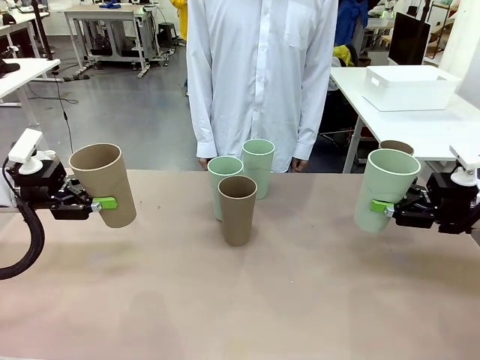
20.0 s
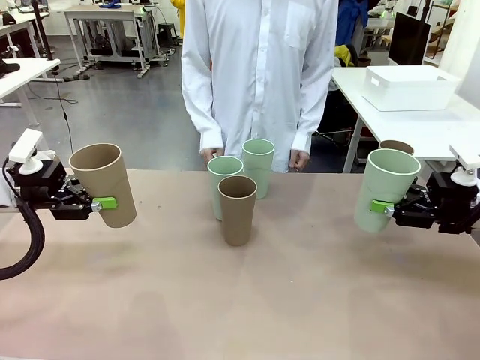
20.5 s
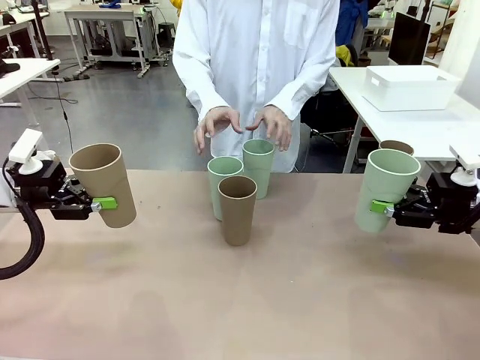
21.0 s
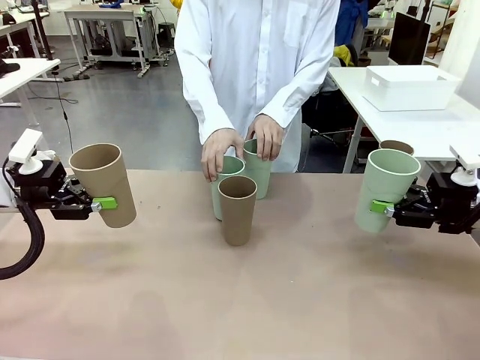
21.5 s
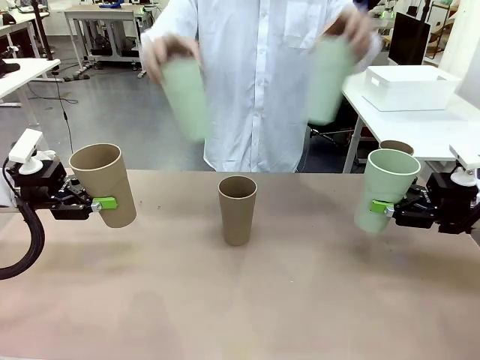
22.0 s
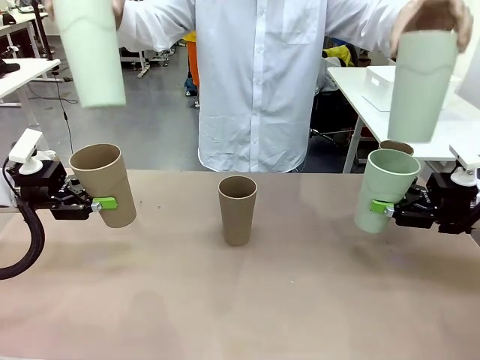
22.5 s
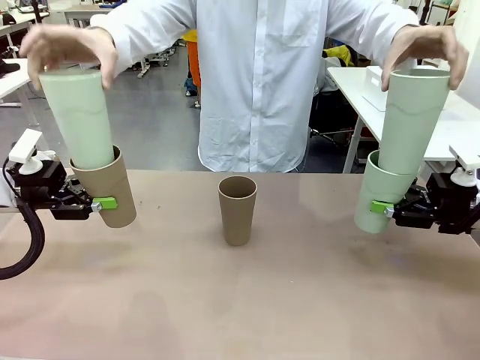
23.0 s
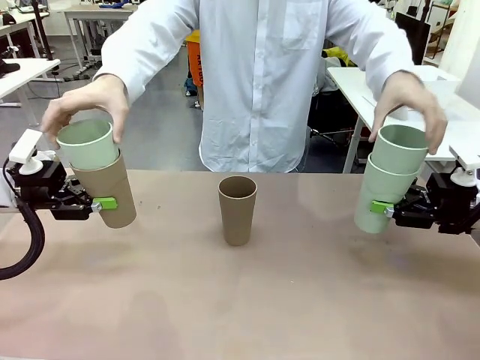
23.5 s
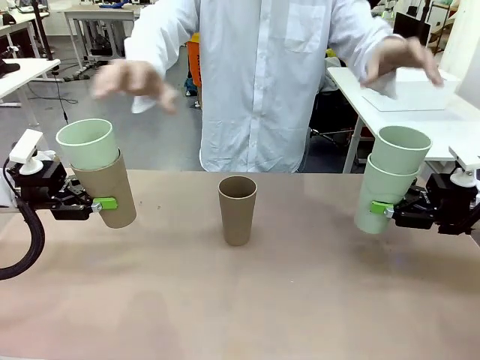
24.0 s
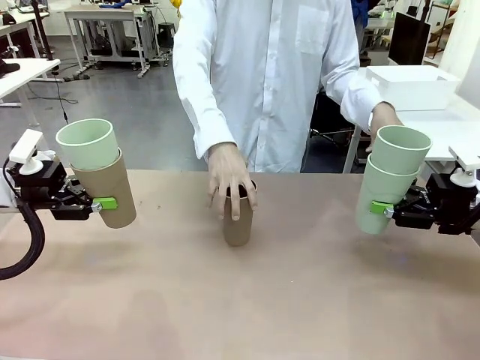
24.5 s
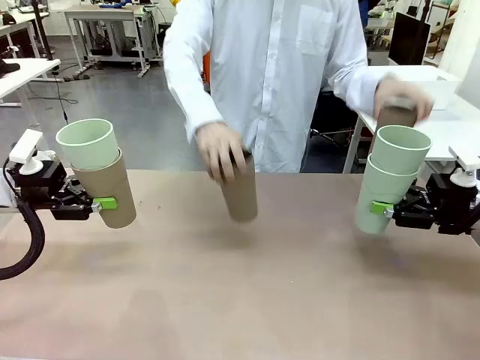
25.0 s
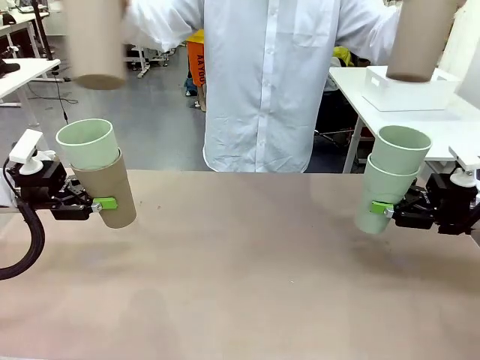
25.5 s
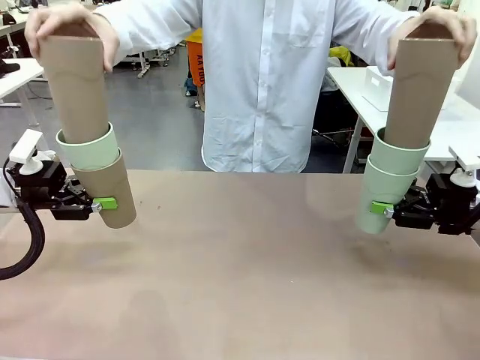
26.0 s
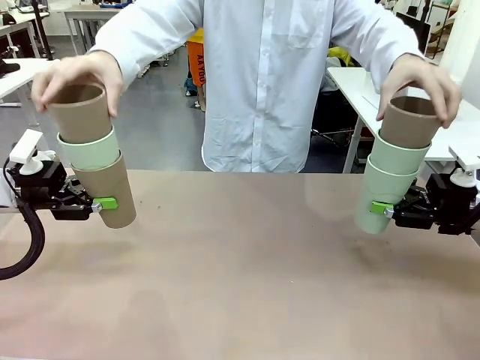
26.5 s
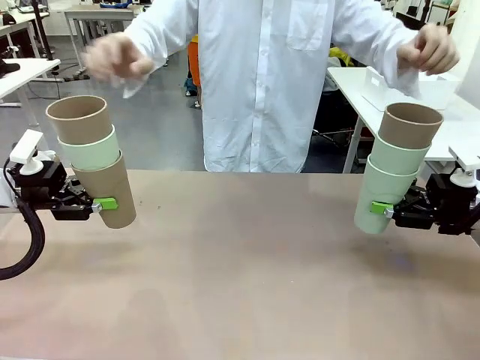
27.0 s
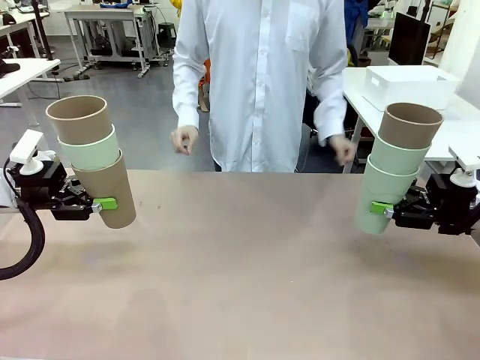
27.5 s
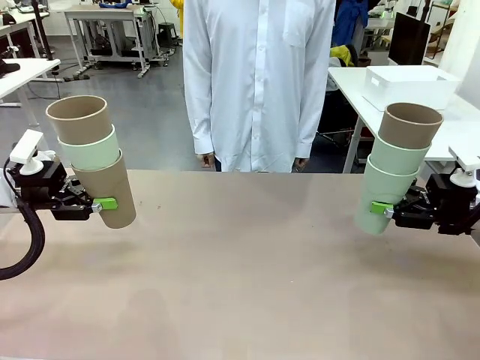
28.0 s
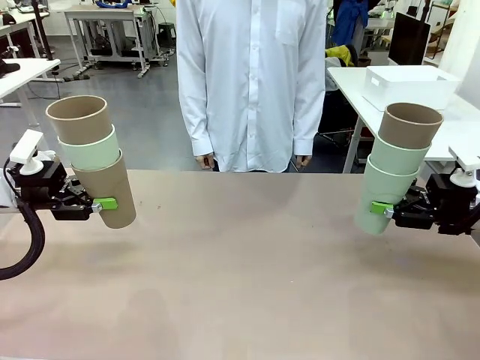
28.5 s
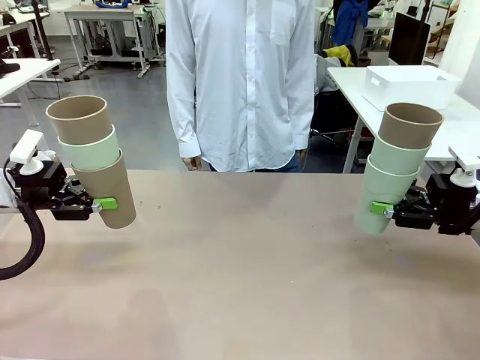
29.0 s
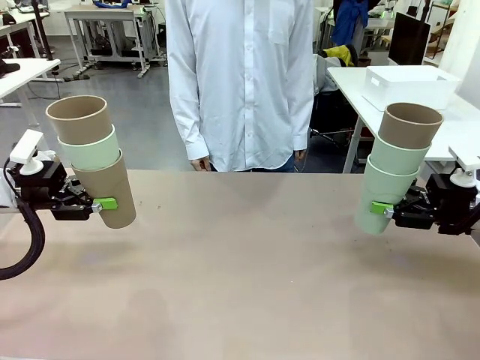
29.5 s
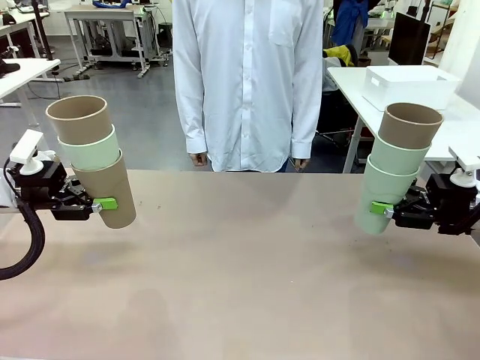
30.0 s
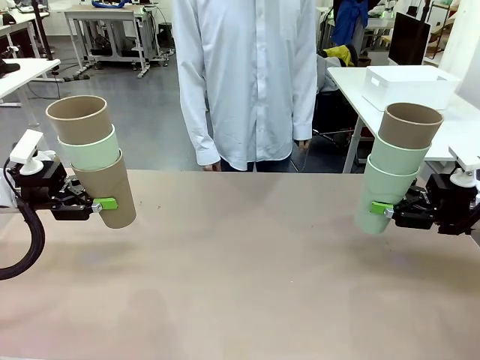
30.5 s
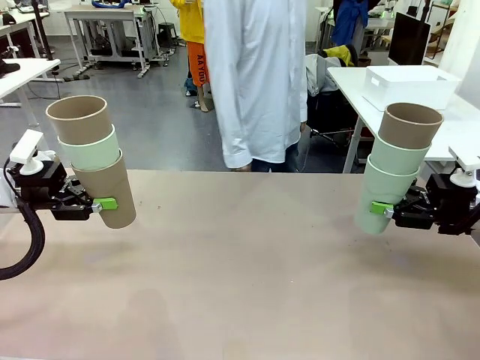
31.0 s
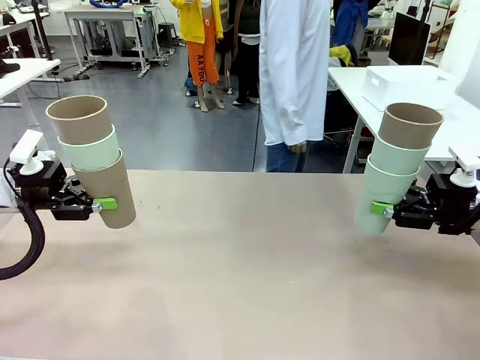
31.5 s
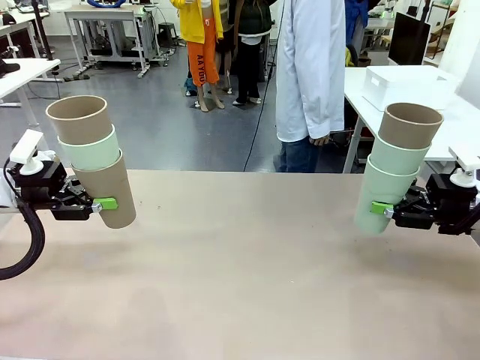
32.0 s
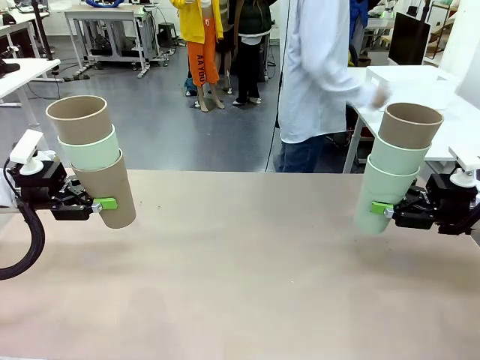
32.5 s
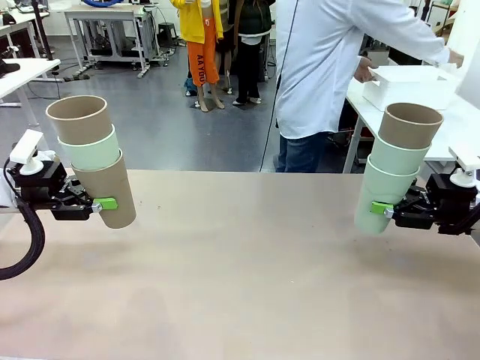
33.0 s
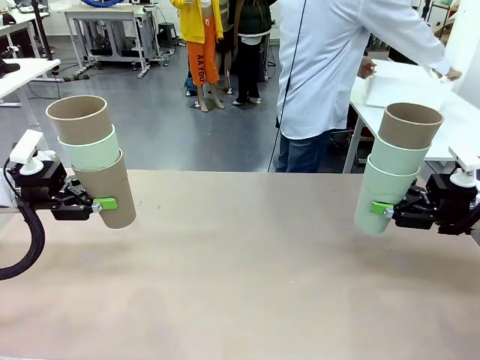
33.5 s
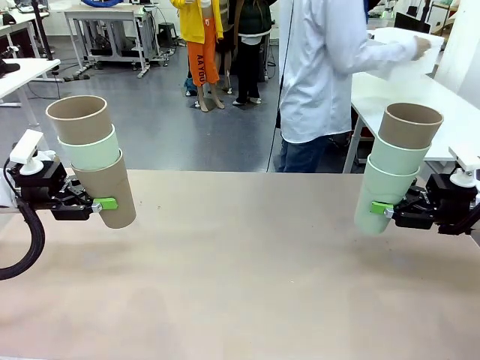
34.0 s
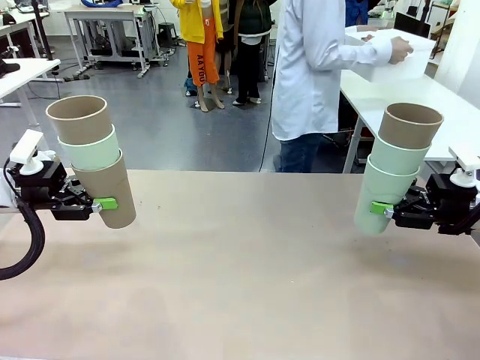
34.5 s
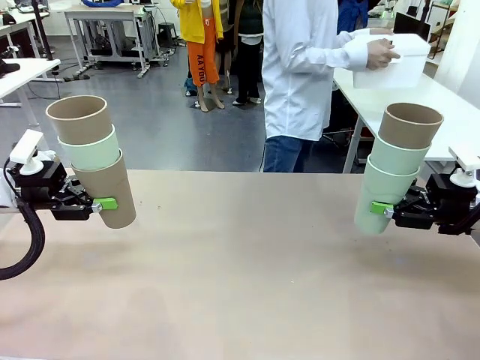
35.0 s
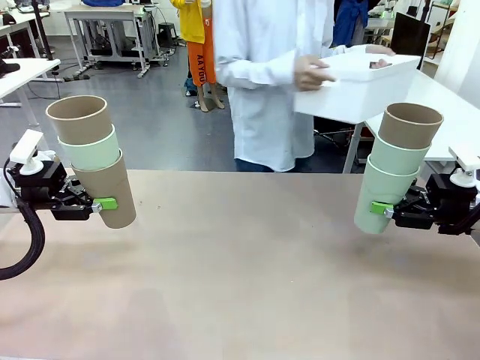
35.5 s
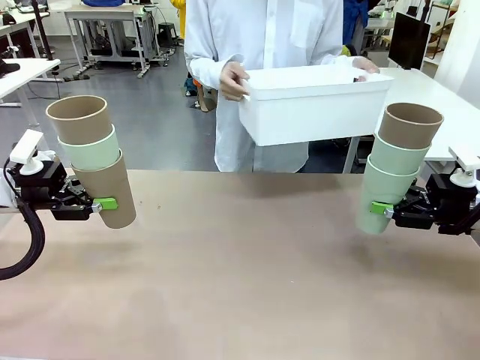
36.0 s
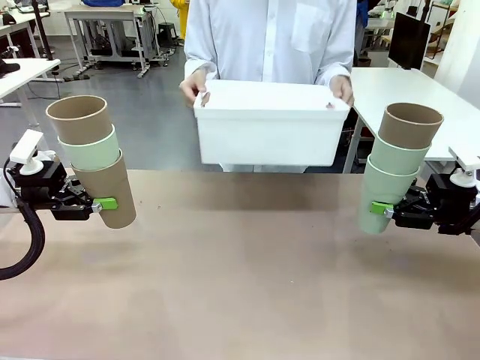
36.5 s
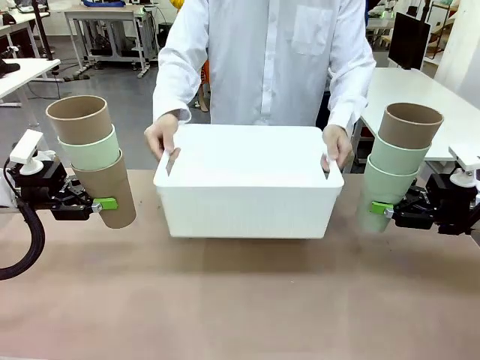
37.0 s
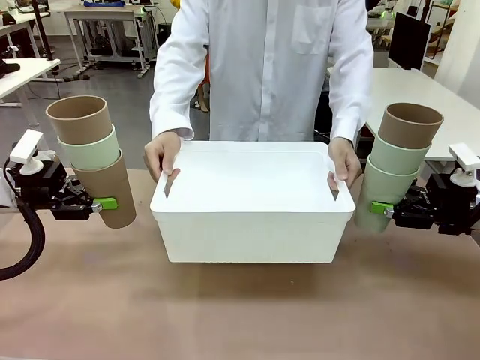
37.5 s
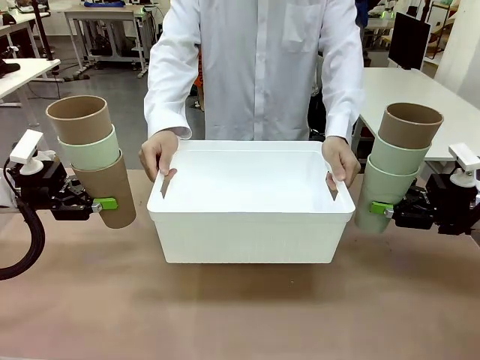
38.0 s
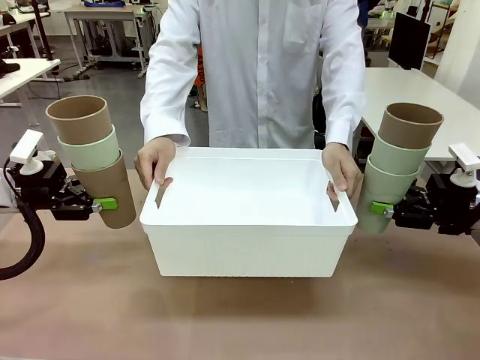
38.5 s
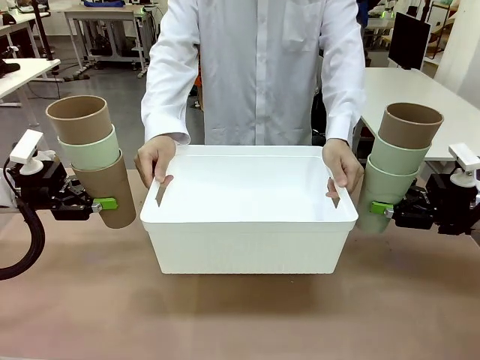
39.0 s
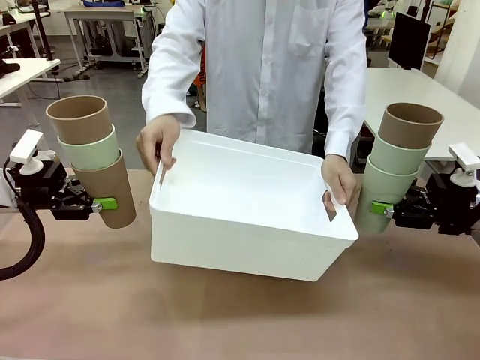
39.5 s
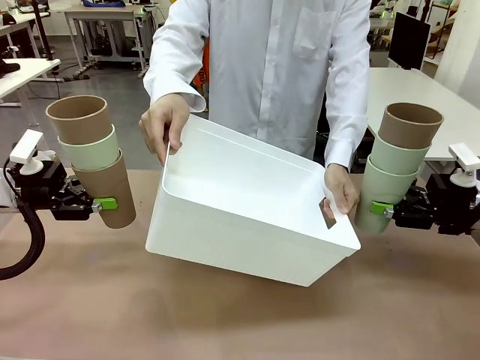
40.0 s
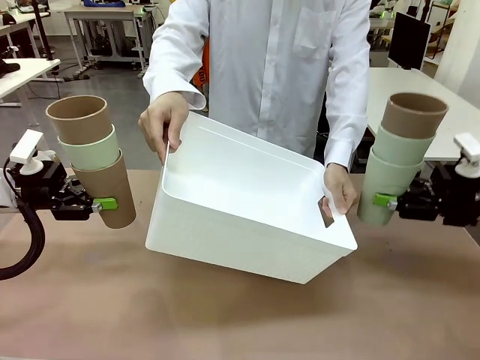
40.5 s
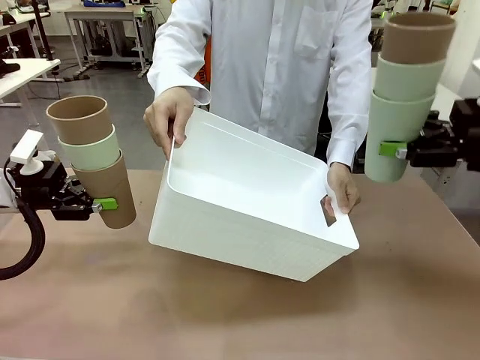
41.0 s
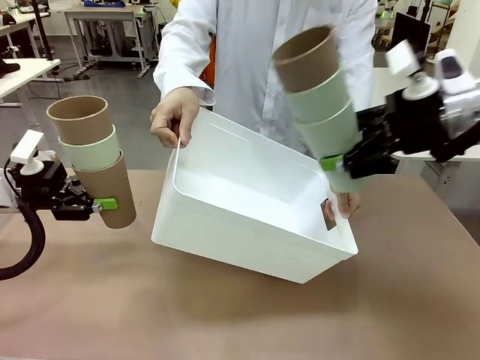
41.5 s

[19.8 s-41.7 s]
Task: Stack the cups and store them in the basket.
Robot: Place the stack of Reusable plastic cups into the Pantry Basket.
Person: Pick up the basket from the Human Table, bring it to the front of the robot, and present it.

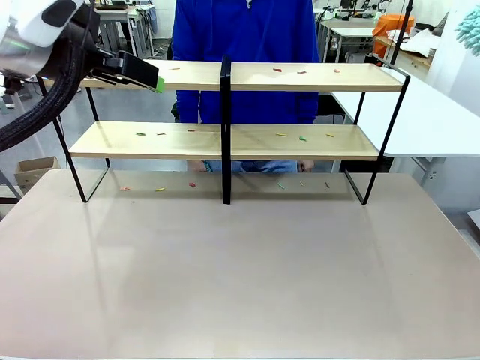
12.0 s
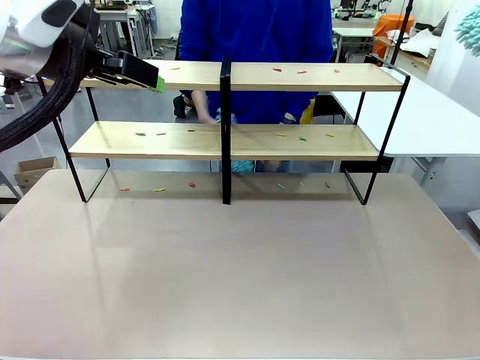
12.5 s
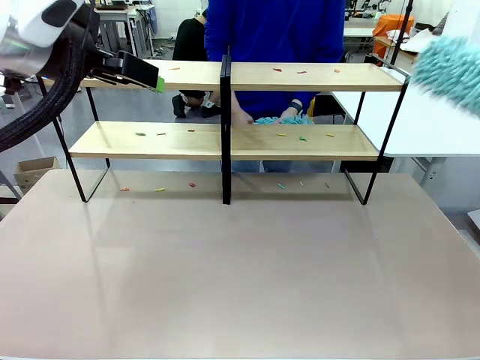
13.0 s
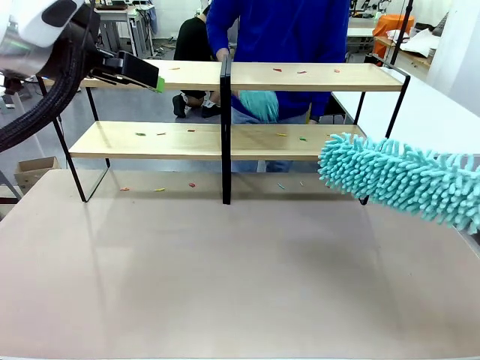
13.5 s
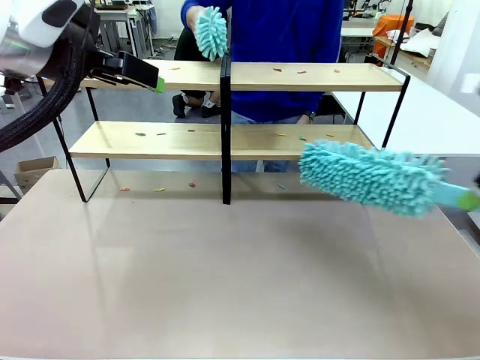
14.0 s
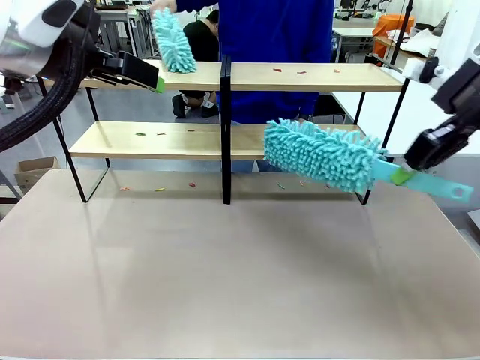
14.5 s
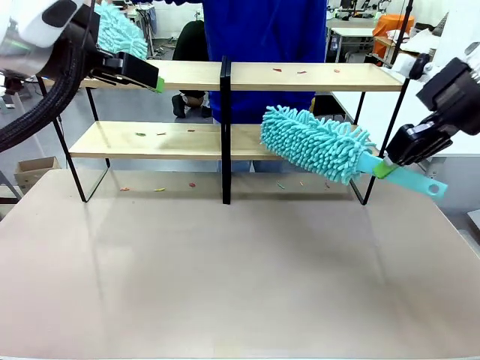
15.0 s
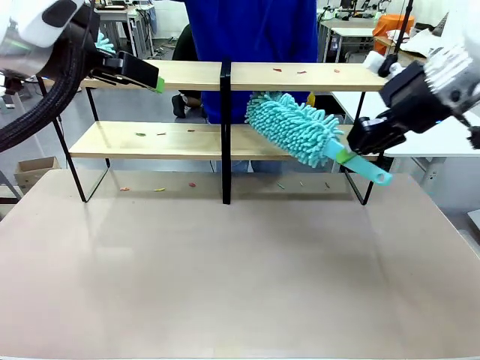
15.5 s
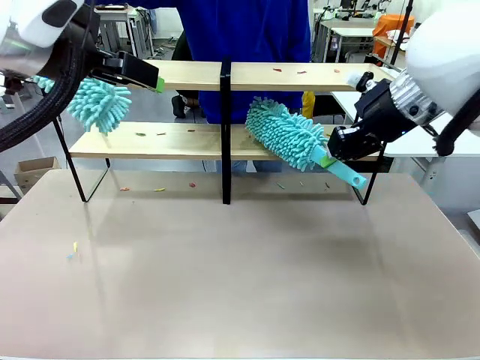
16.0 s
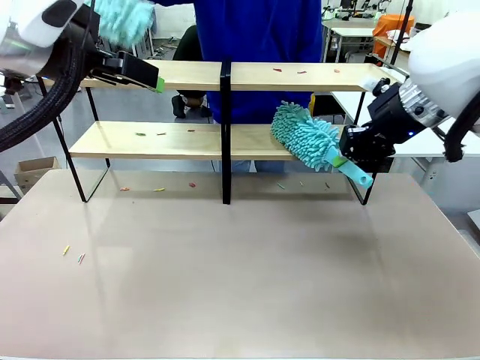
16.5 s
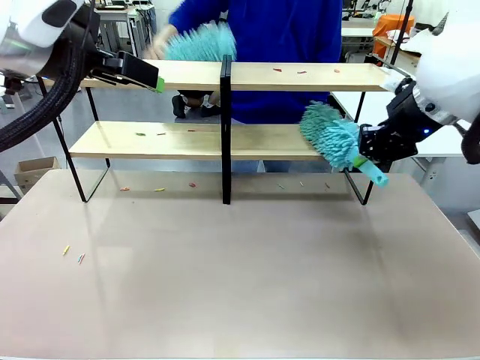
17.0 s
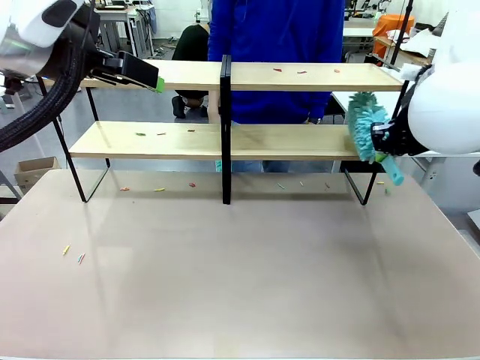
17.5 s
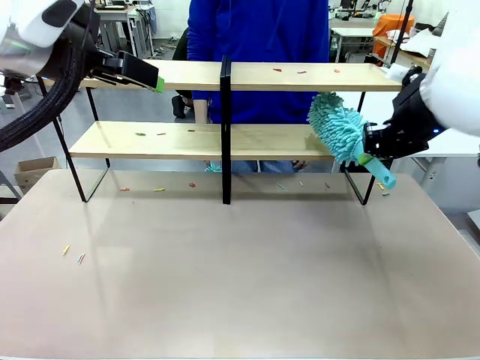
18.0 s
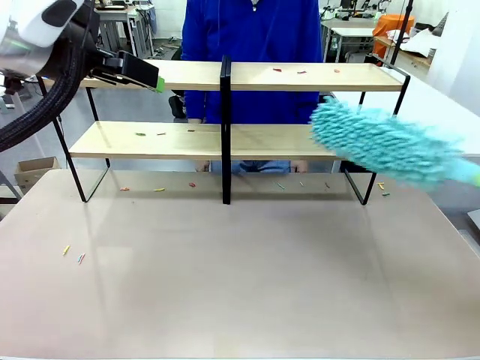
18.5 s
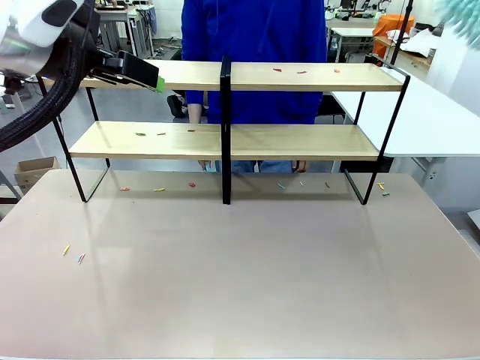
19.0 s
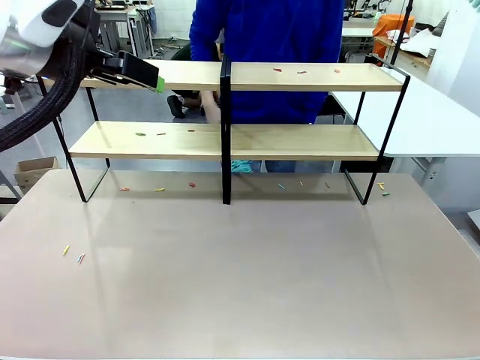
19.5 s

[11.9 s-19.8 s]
Task: Clean the shelves.
Robot: Clean a randomly selected level of the Shelf with the Duster.
